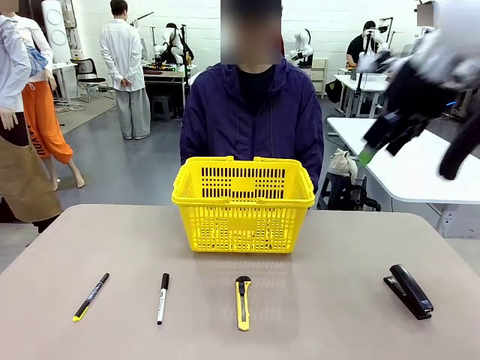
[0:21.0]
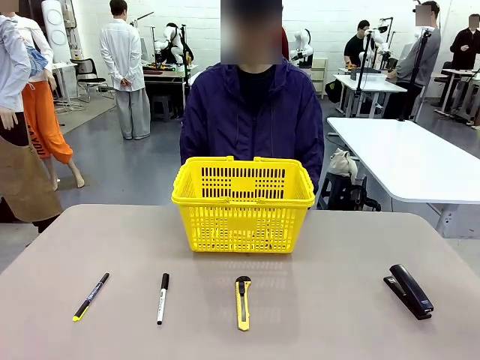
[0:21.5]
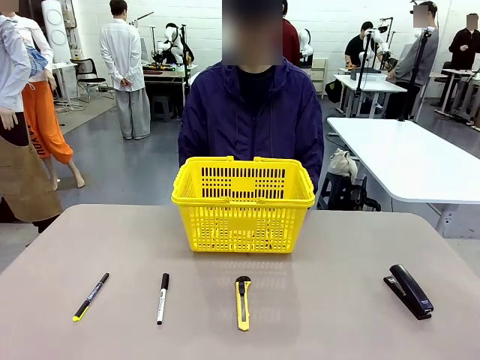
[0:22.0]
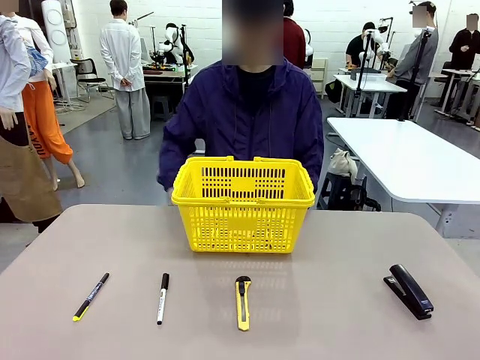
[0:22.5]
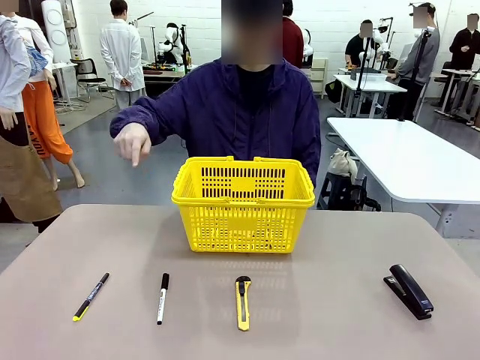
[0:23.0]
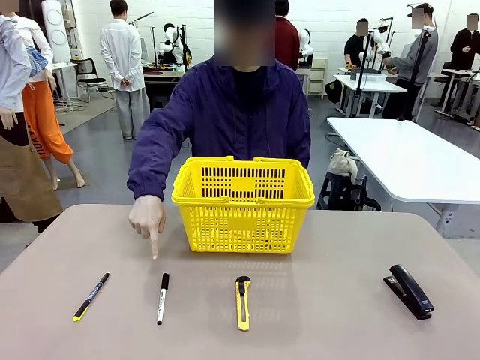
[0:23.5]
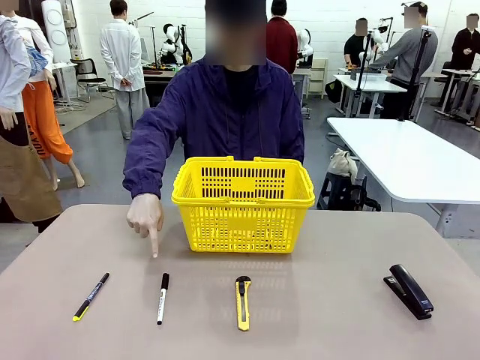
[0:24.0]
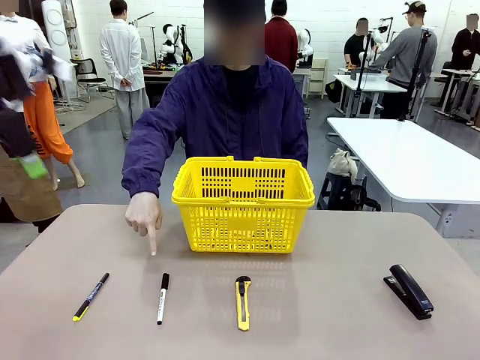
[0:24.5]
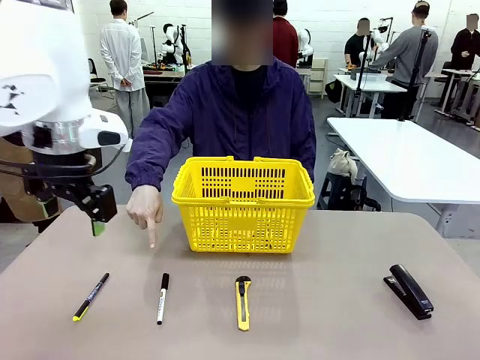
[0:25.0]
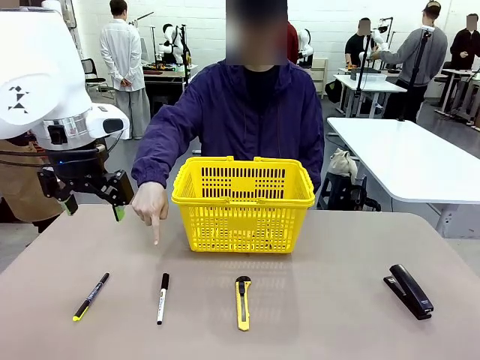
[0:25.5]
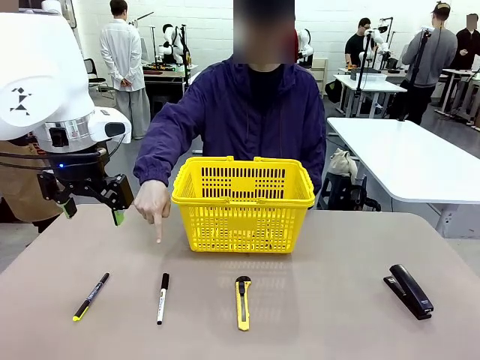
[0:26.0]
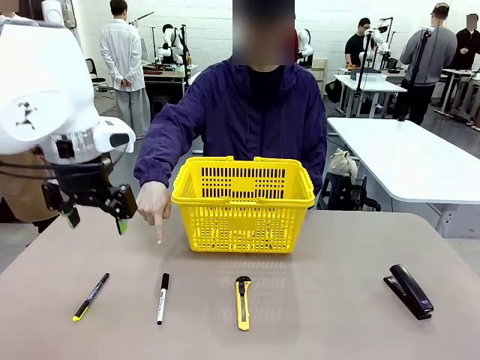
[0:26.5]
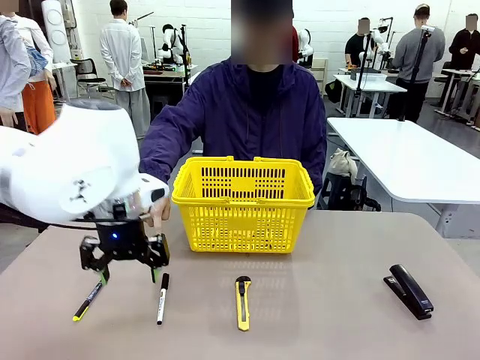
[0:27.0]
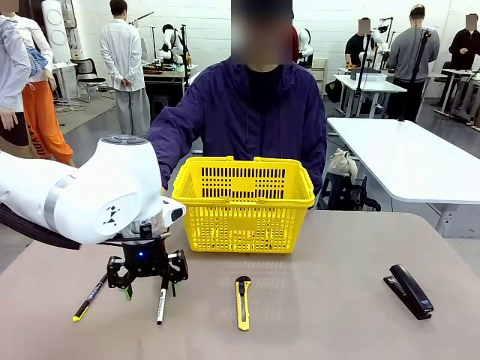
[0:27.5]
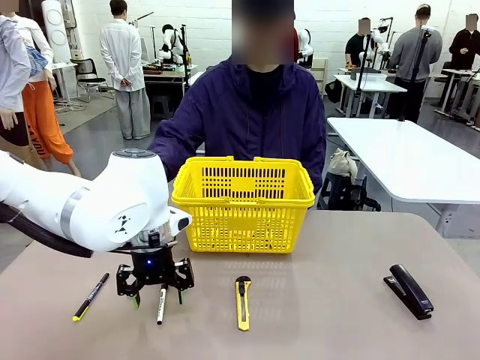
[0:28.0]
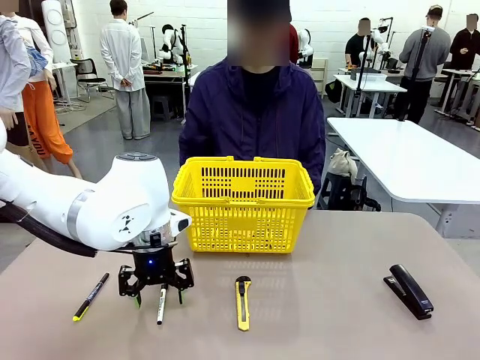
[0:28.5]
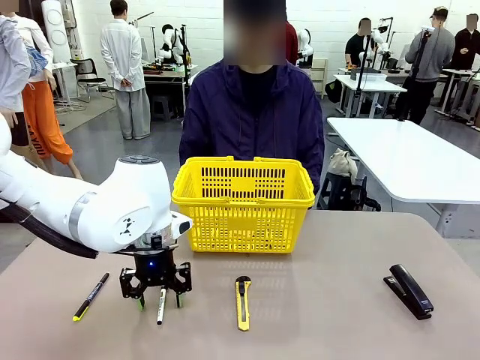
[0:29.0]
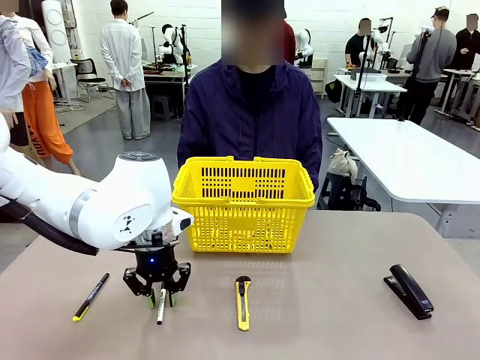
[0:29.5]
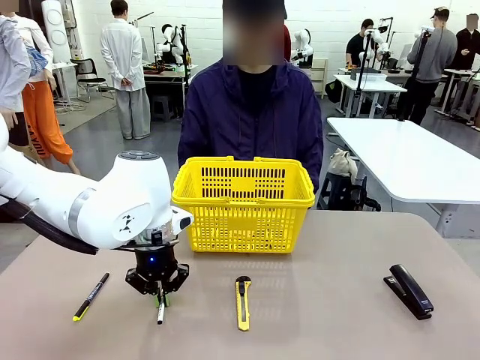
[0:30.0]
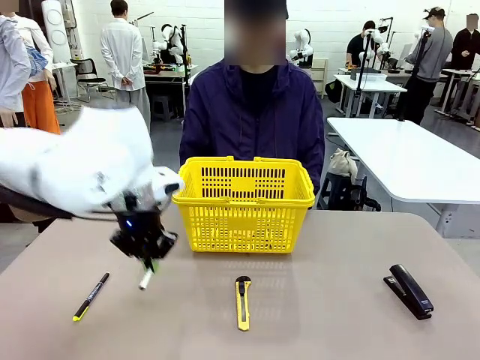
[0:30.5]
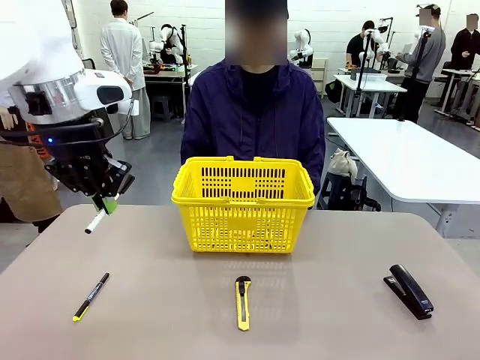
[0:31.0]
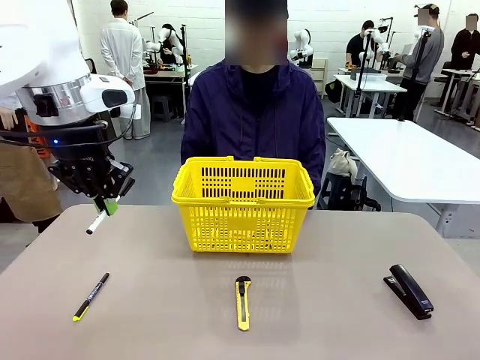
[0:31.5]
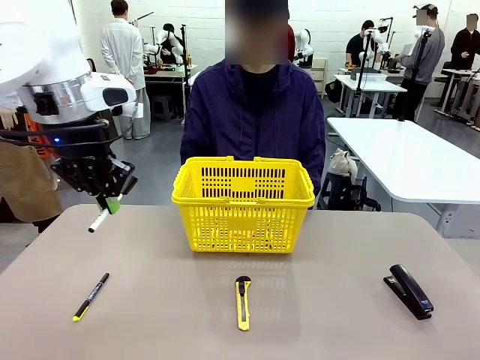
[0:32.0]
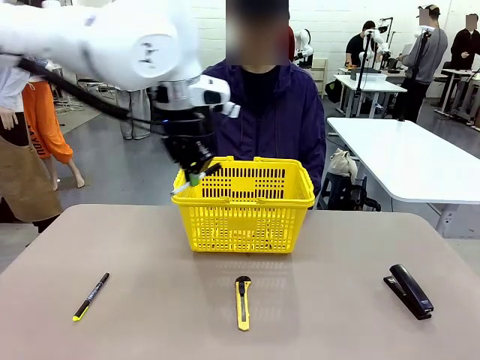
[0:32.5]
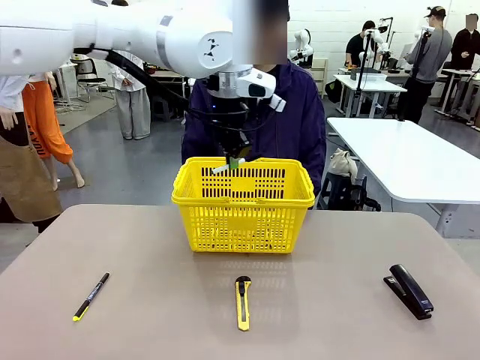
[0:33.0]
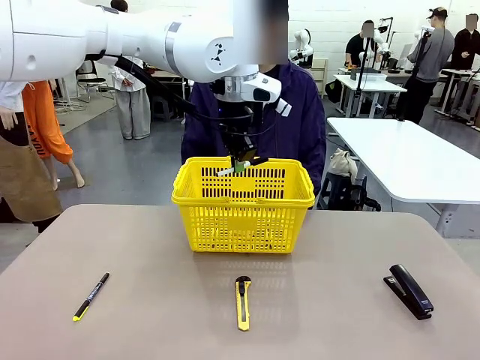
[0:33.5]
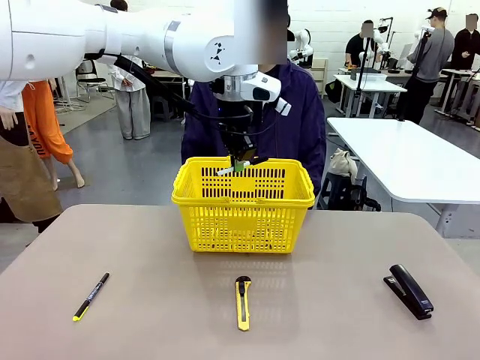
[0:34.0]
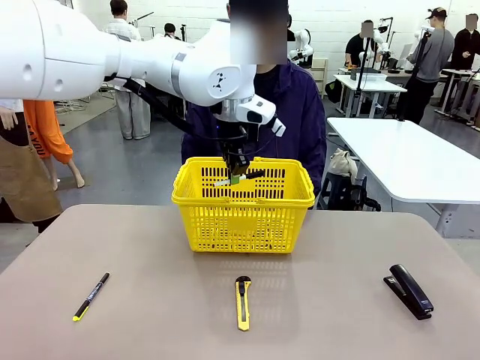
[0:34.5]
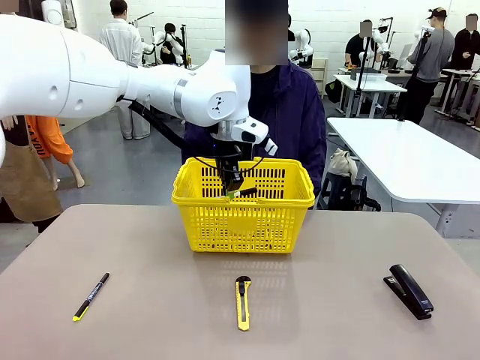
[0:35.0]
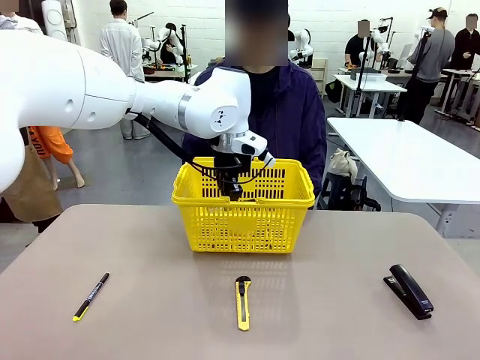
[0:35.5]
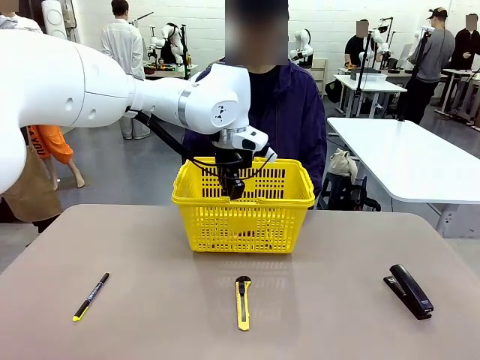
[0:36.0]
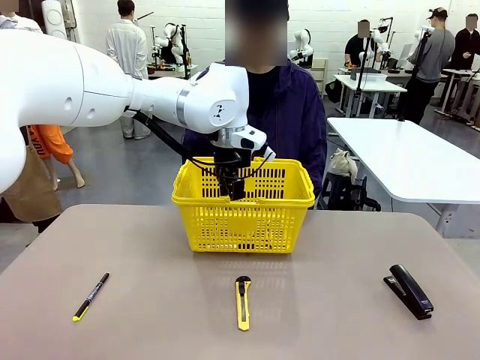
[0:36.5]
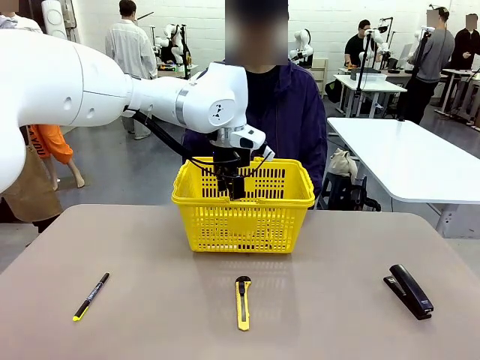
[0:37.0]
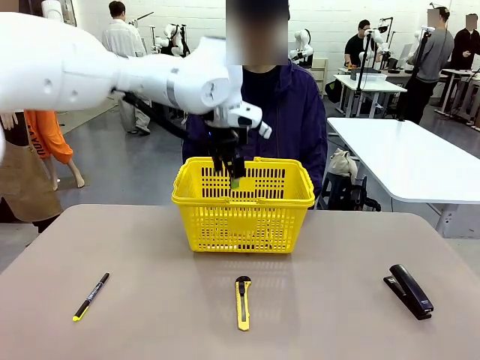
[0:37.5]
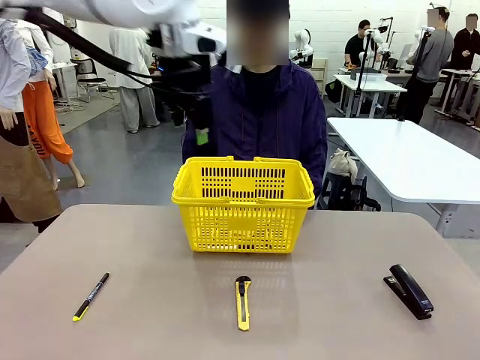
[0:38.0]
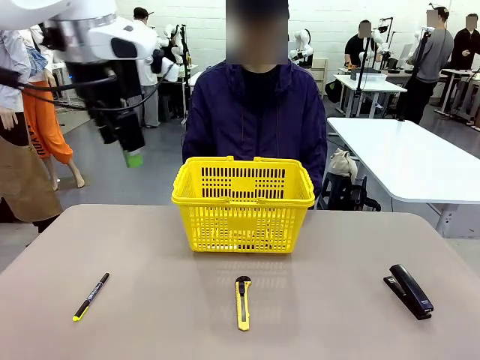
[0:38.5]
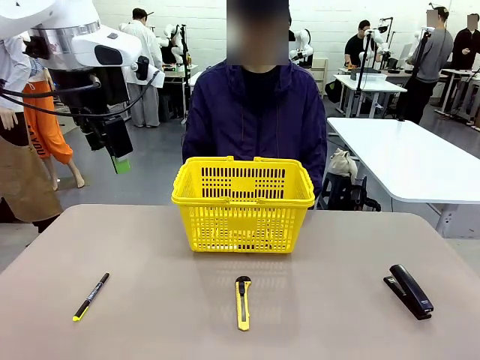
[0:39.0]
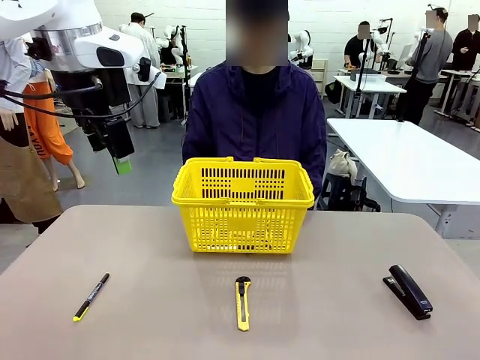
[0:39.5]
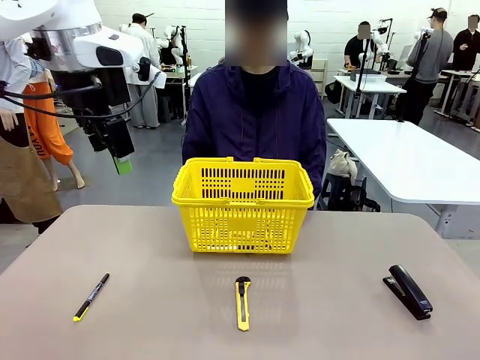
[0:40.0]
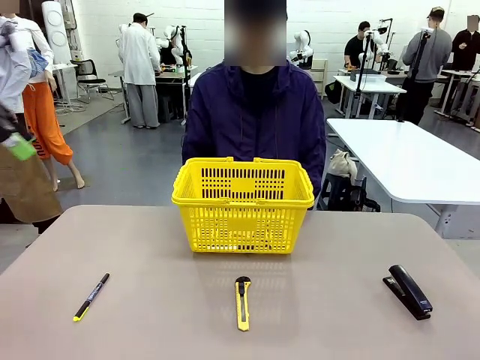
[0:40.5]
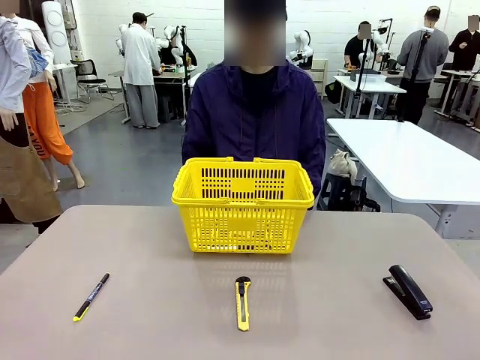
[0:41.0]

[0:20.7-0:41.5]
Task: Place the items the person wants into the basket.
Robot: Pick up the item the person points to and place it in the Market Basket.

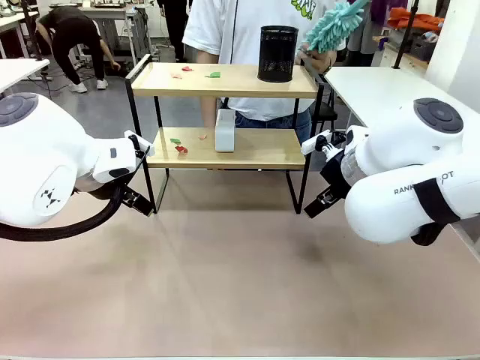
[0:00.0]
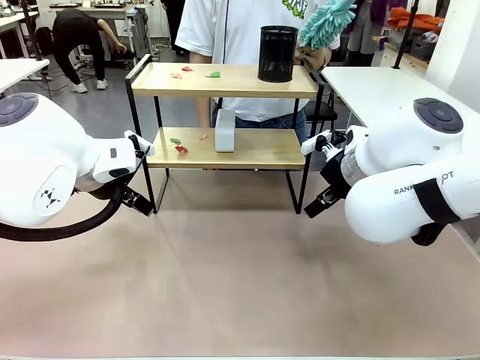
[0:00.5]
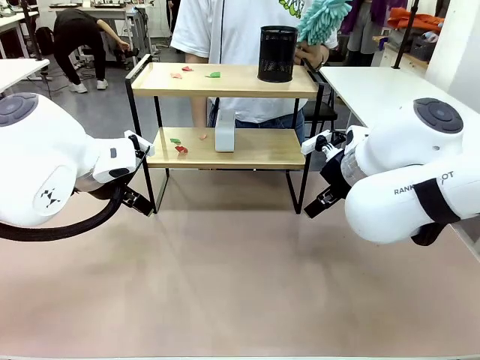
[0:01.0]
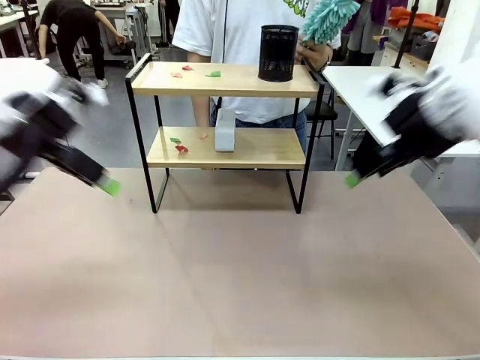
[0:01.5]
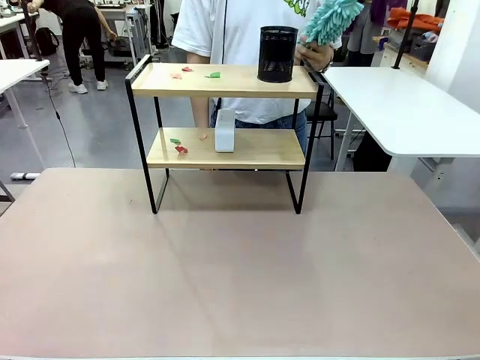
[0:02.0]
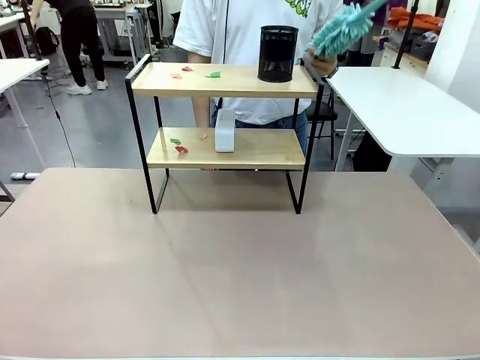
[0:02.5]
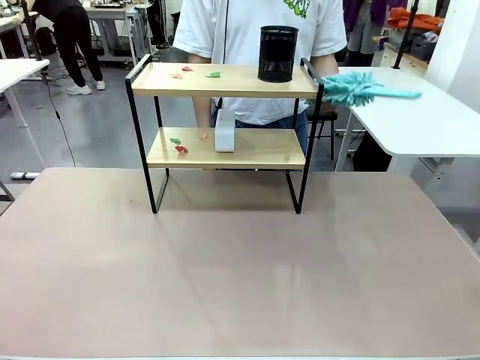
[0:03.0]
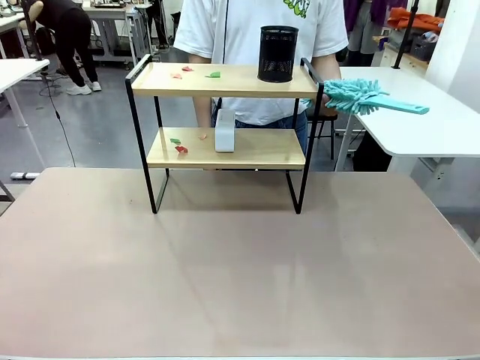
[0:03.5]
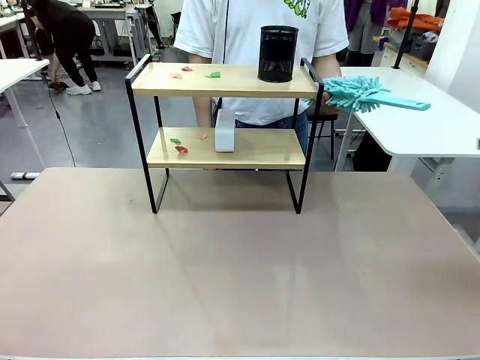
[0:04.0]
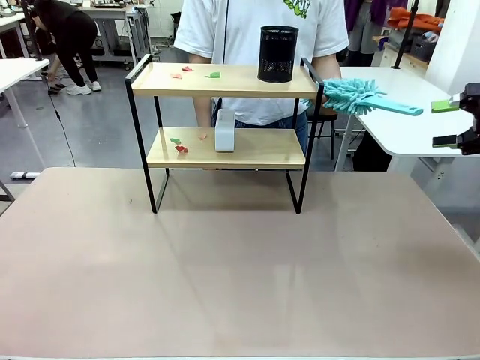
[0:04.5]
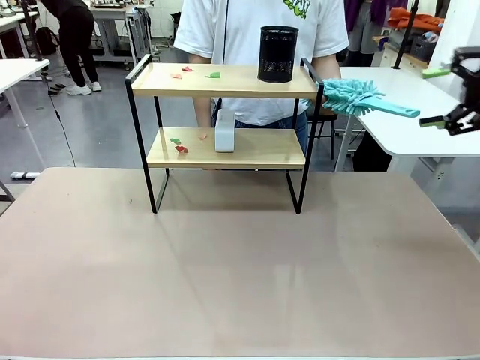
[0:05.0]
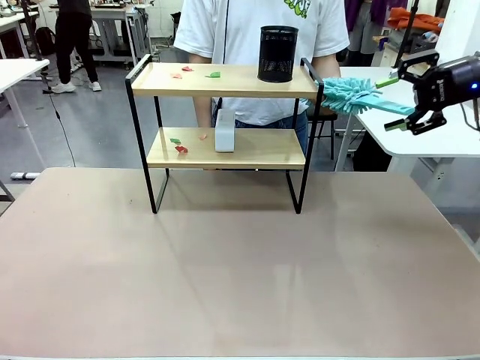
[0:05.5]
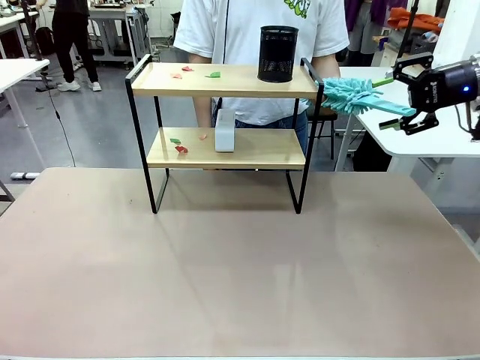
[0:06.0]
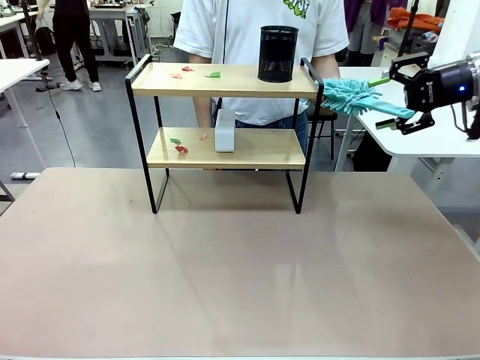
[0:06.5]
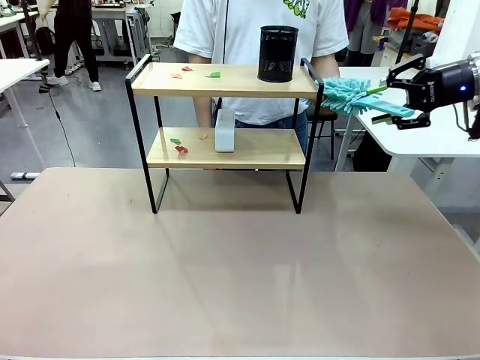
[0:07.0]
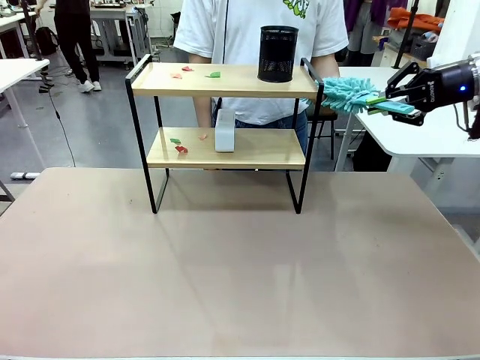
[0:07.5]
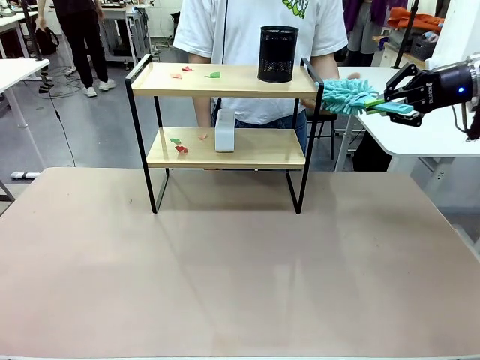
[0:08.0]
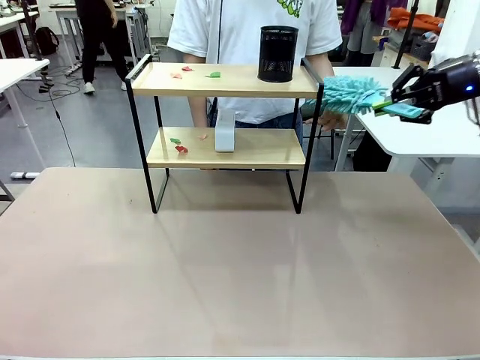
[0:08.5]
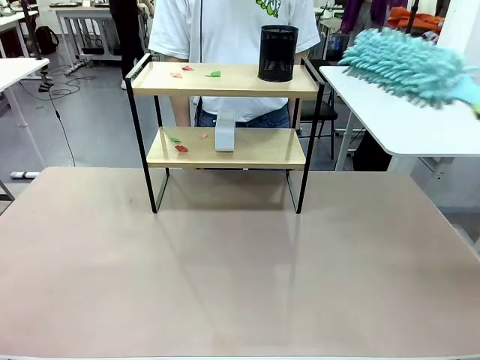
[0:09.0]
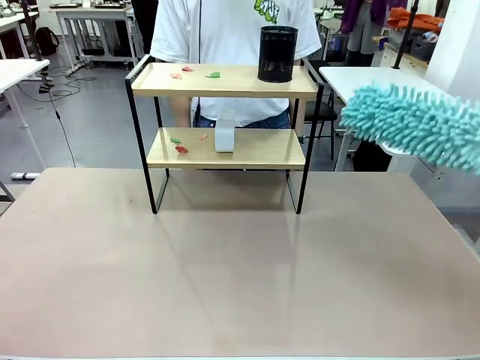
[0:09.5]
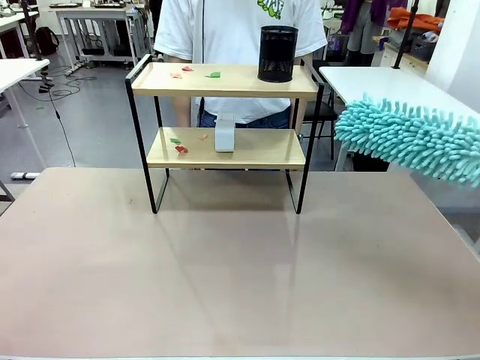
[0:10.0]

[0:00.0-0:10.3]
Task: Clean the shelf.
Robot: Pick up the Duster from the human.
Person: Hand the Duster to the robot.
